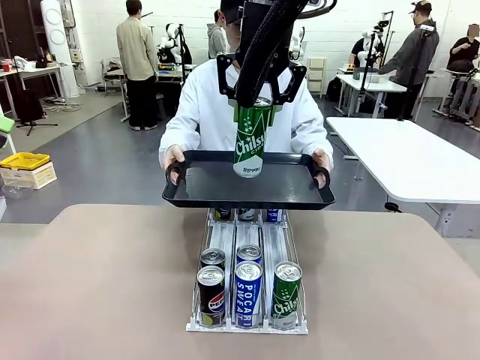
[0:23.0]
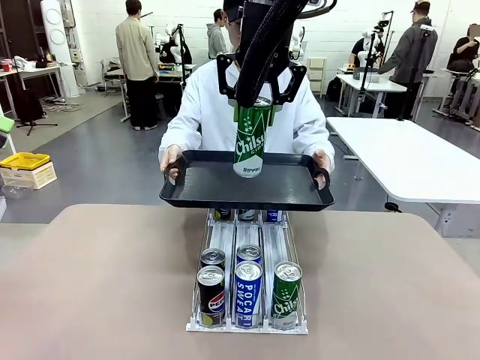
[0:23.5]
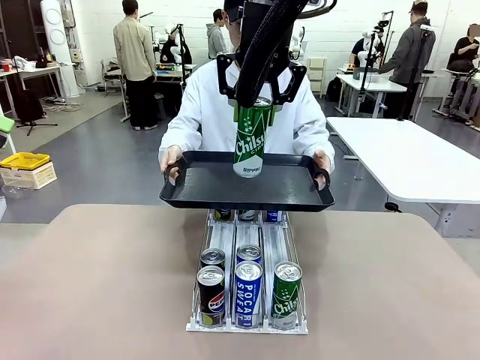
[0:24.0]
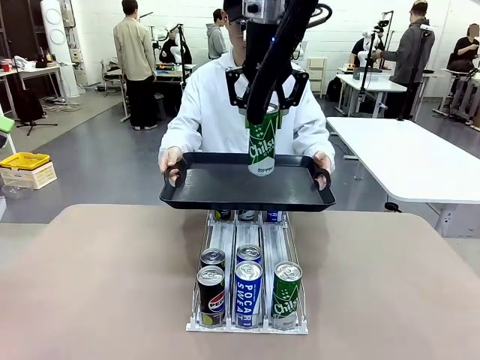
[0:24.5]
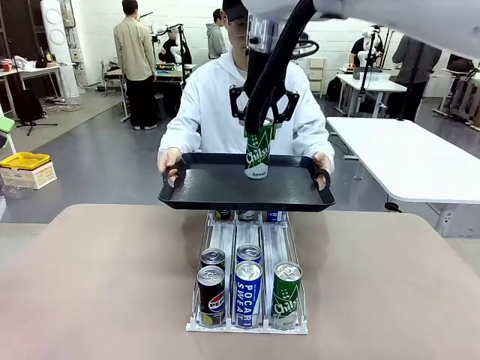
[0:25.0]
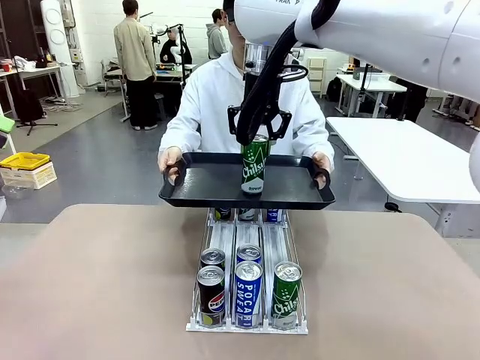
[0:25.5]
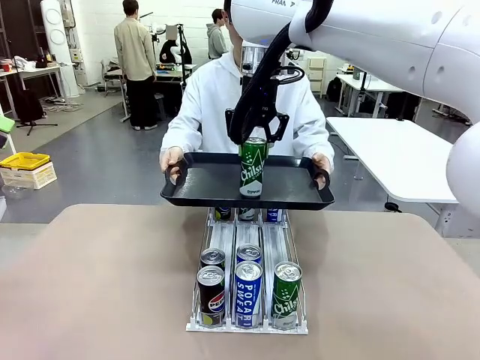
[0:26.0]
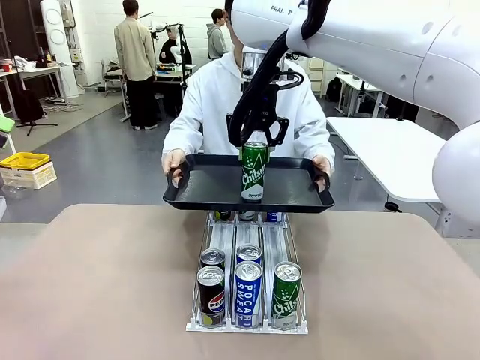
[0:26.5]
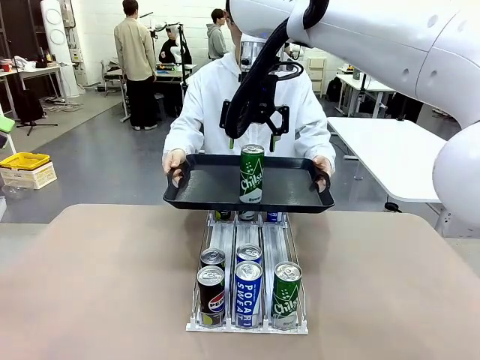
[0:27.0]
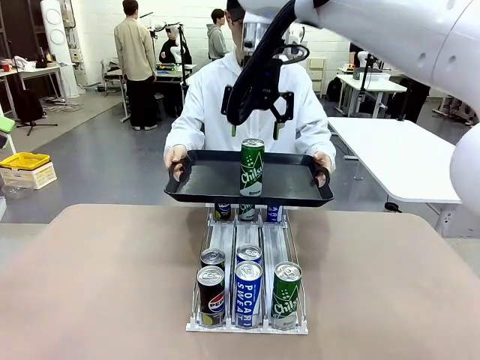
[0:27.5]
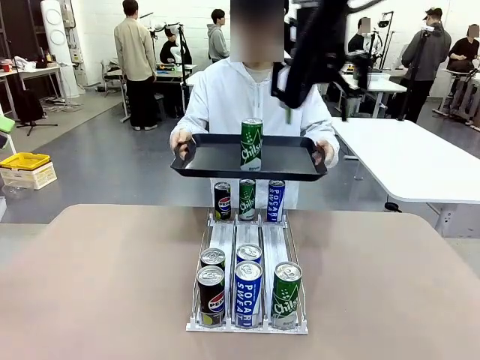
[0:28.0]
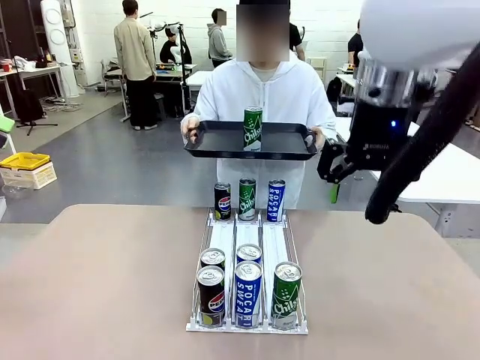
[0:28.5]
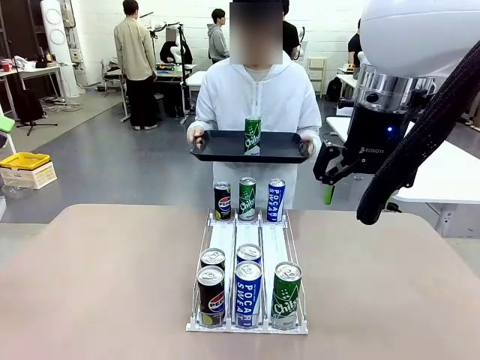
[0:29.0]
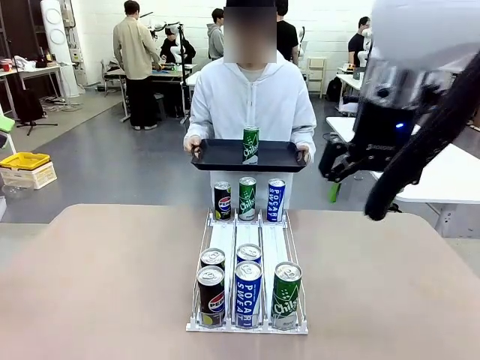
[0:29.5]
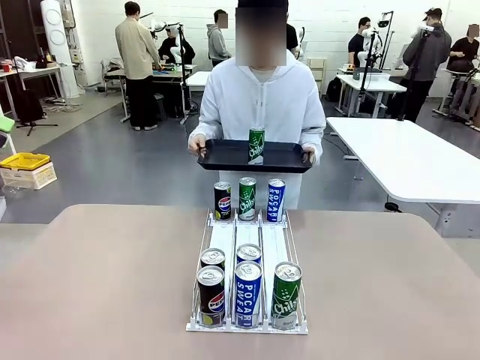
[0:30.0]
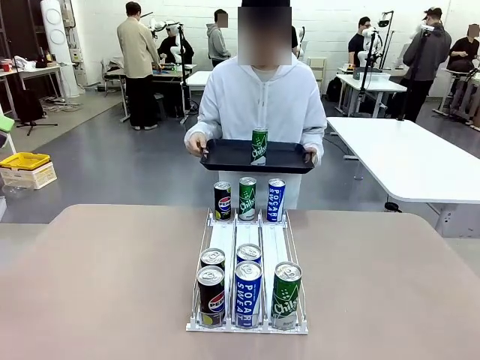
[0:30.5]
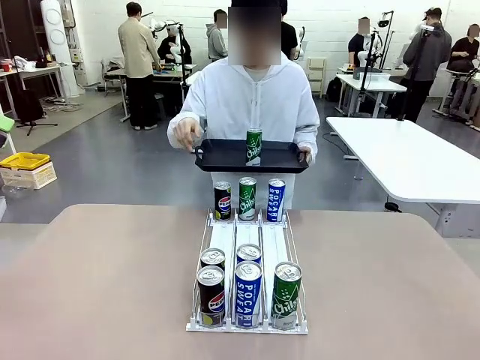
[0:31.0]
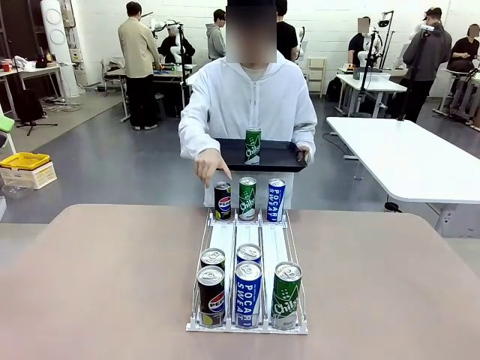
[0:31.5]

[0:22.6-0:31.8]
Task: Retrieve and hand over the desired beverage to the person.
Robot: Place the picked can on the Handle tray extended by the person.
Person: Pull the tray back, then pick up another can from the bottom area of the table and puts it back in its original place.

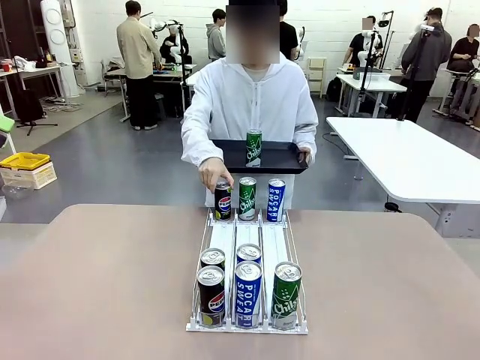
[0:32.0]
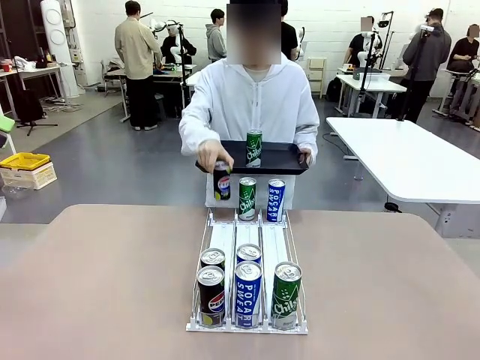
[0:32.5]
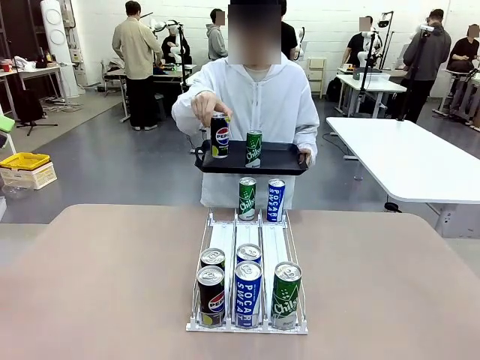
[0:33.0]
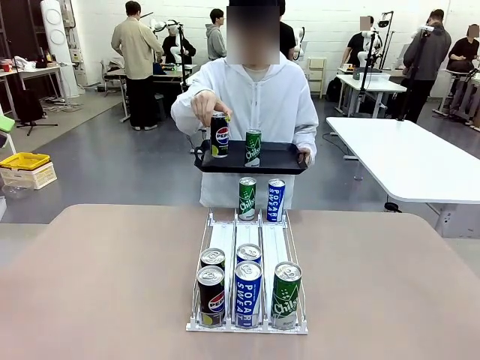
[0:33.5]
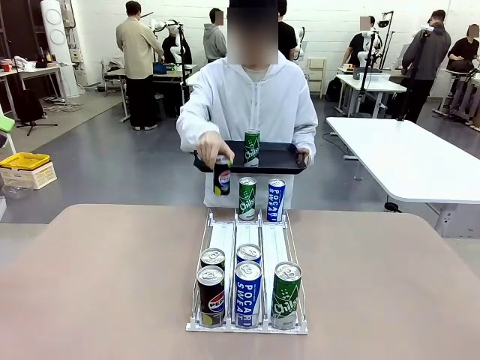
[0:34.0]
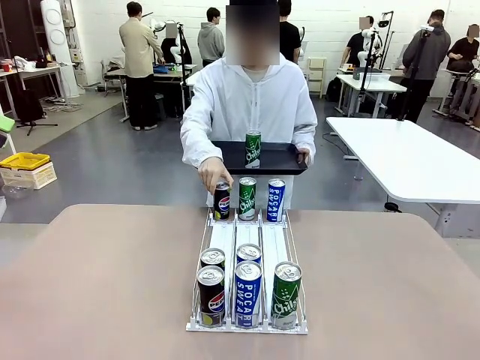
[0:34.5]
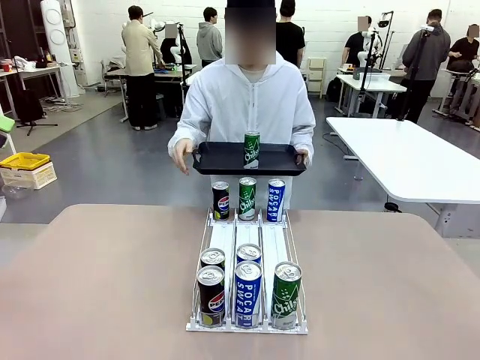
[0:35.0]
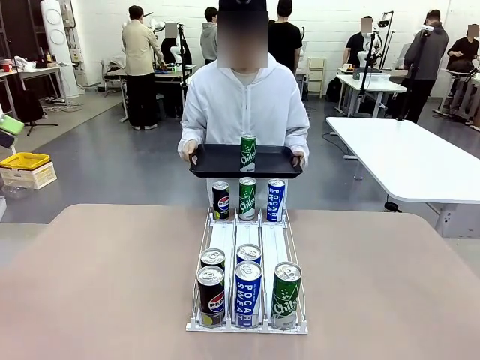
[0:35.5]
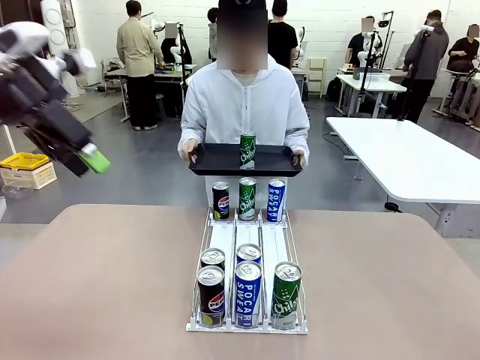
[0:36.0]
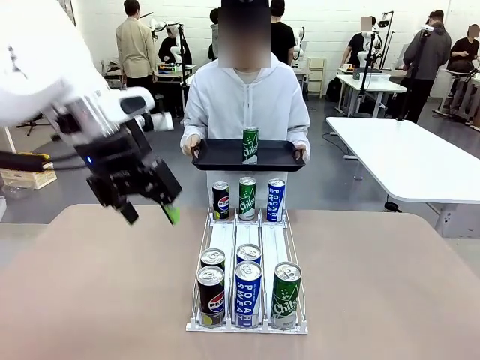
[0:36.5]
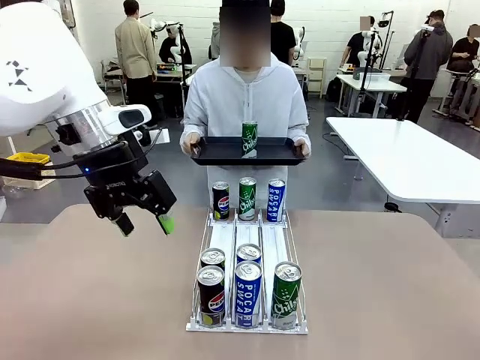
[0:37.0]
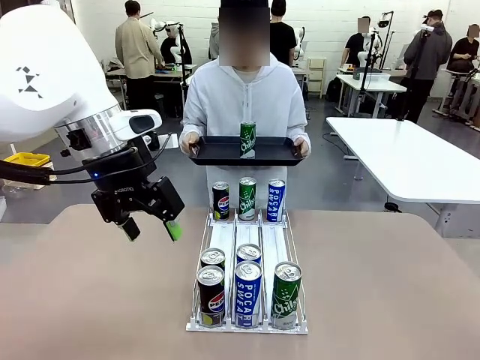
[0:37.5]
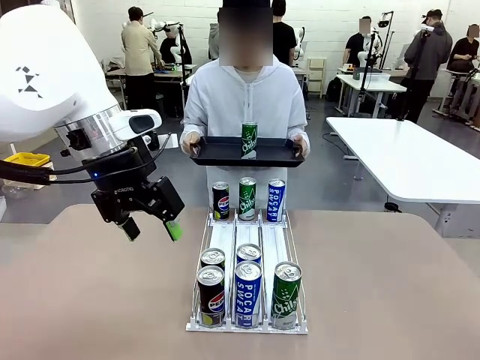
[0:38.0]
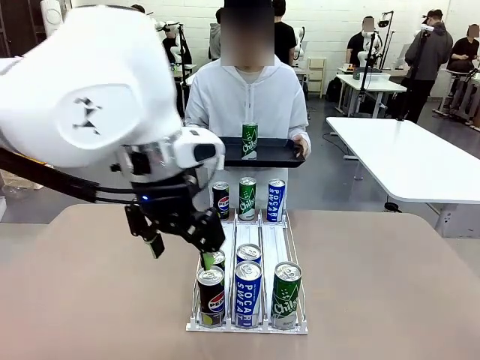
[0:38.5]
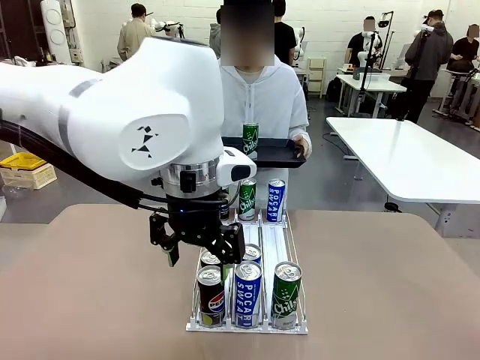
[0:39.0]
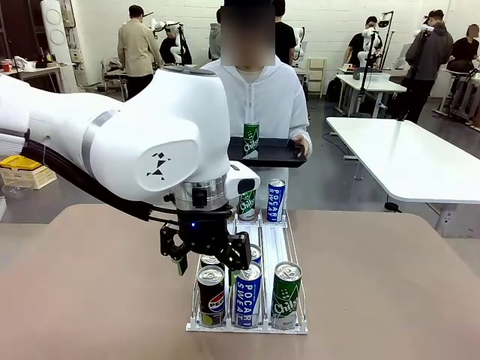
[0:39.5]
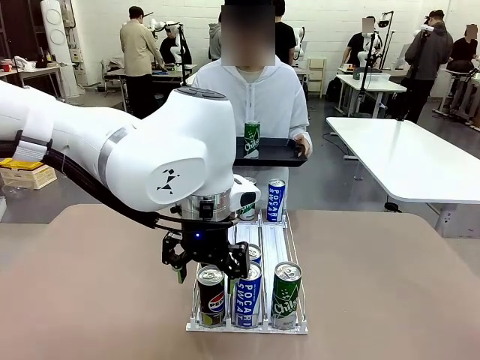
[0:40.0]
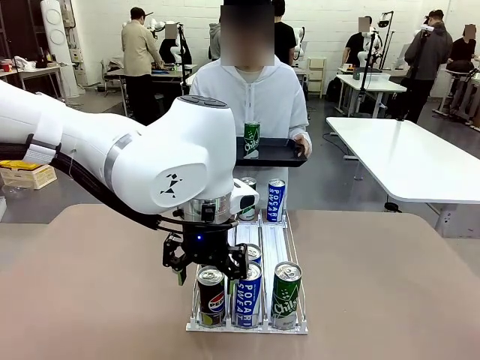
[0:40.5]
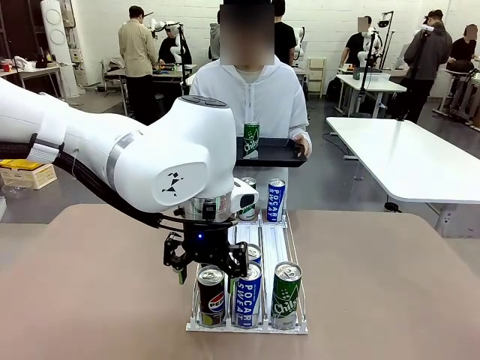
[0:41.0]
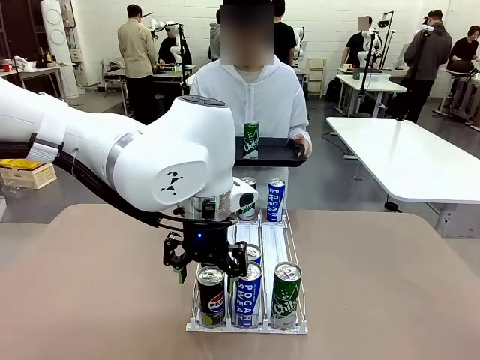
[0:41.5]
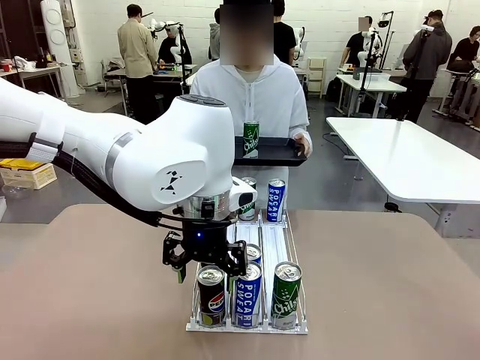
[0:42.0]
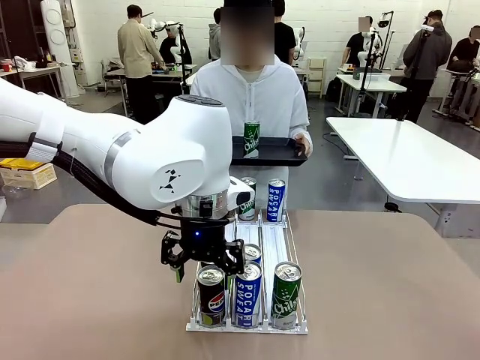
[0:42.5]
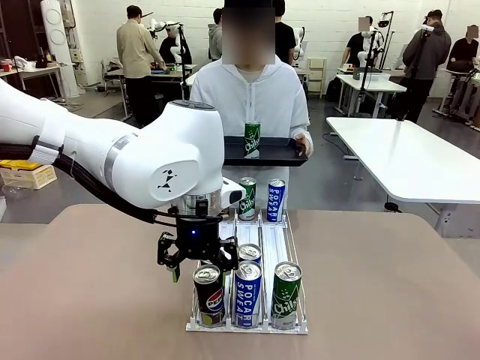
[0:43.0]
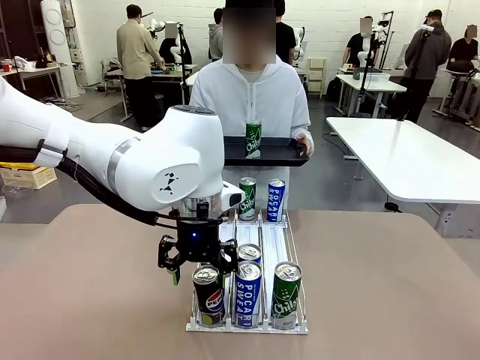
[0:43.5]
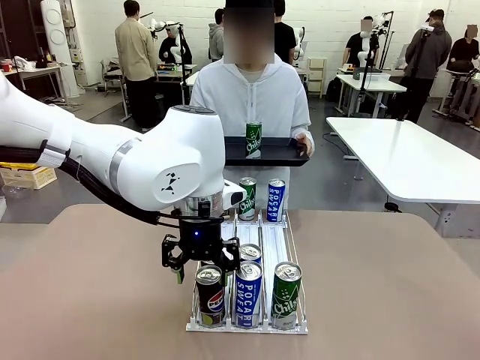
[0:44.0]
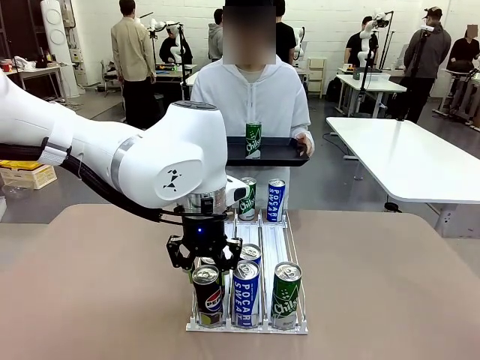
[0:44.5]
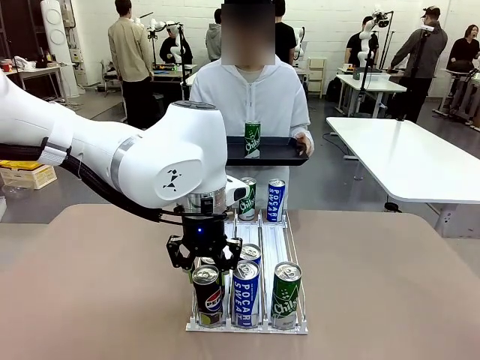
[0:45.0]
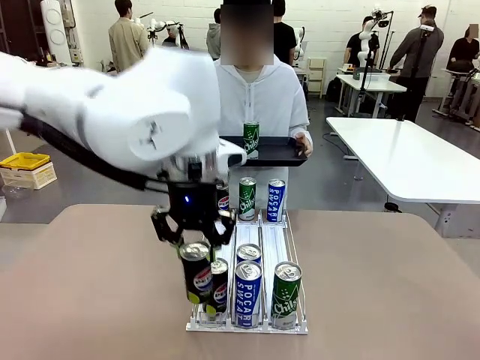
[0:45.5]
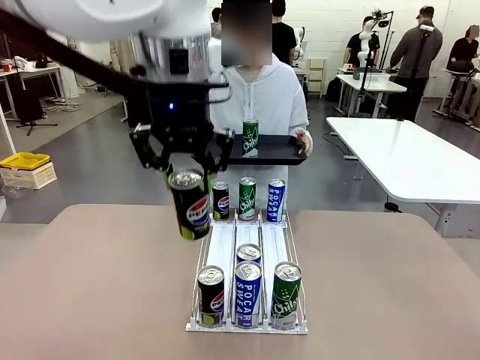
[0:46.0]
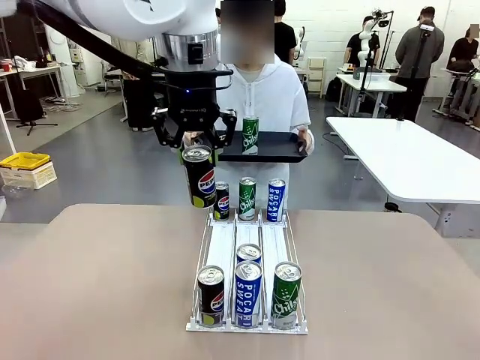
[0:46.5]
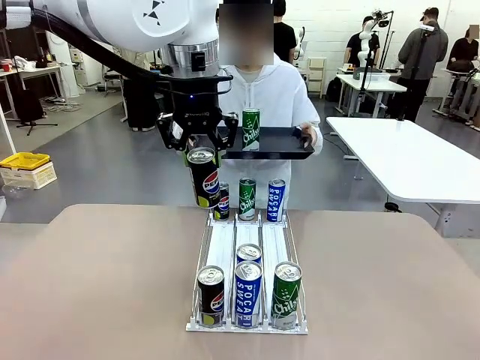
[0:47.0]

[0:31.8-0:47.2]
Robot: Pick up another can of the same type that the person held from the Automatic Can Dispenser.
Person: Push the tray toward the robot again.
